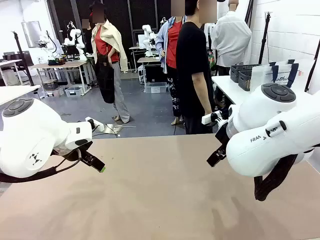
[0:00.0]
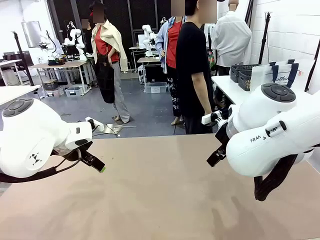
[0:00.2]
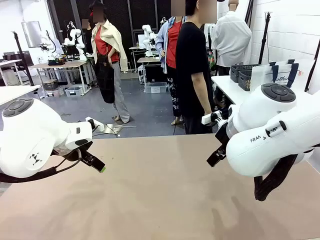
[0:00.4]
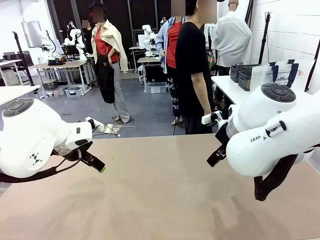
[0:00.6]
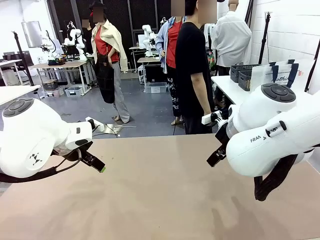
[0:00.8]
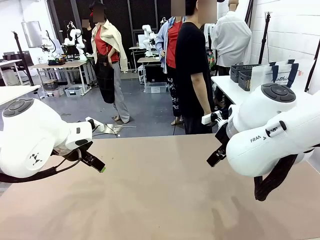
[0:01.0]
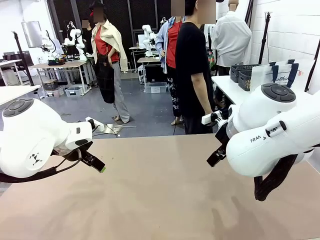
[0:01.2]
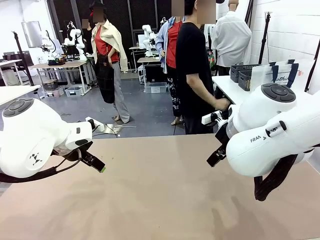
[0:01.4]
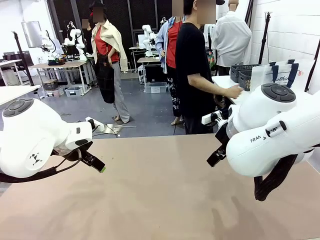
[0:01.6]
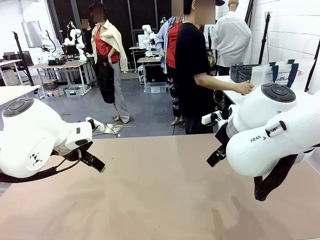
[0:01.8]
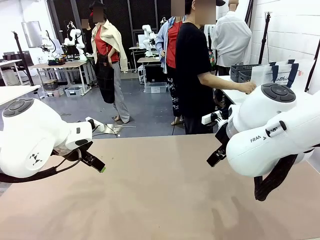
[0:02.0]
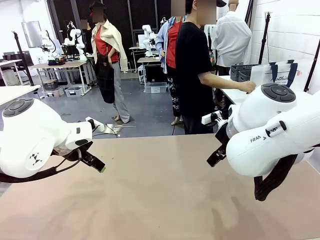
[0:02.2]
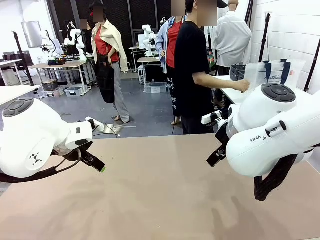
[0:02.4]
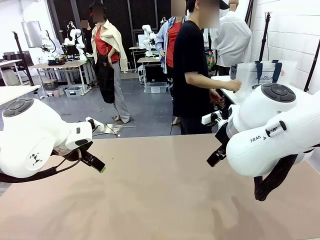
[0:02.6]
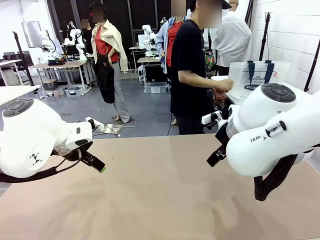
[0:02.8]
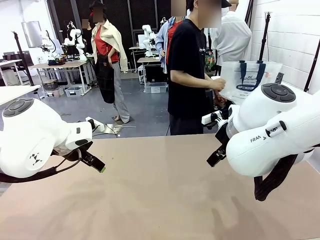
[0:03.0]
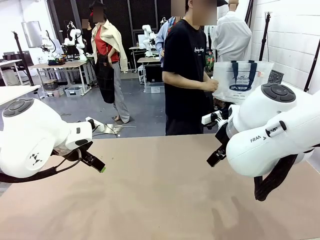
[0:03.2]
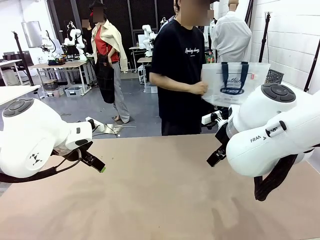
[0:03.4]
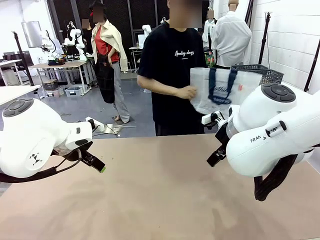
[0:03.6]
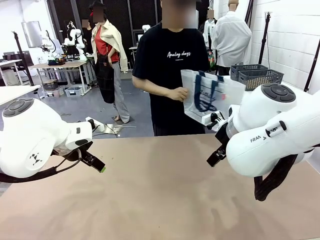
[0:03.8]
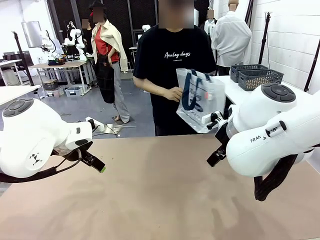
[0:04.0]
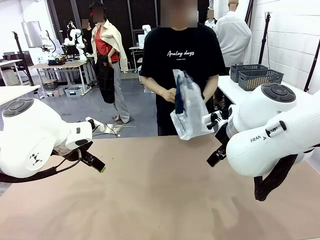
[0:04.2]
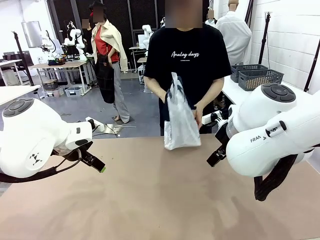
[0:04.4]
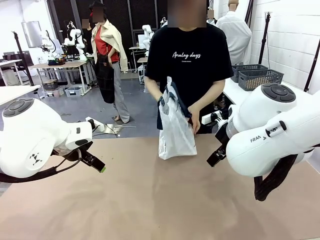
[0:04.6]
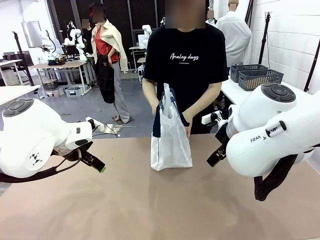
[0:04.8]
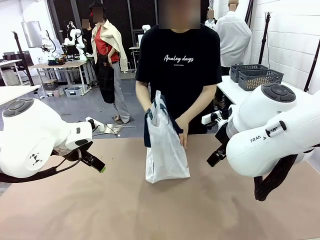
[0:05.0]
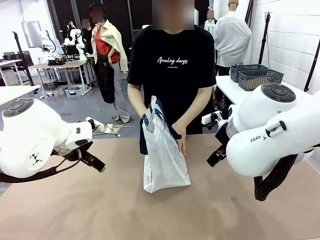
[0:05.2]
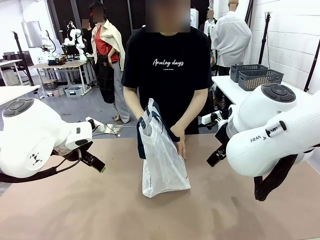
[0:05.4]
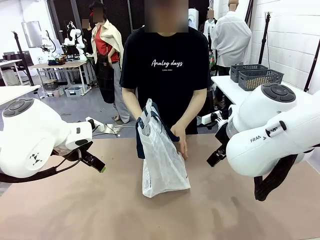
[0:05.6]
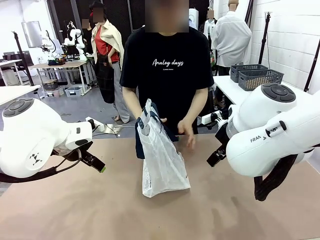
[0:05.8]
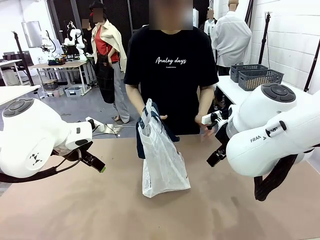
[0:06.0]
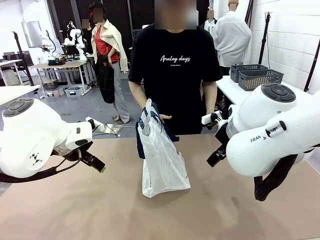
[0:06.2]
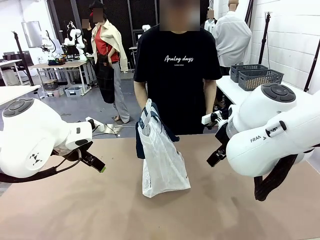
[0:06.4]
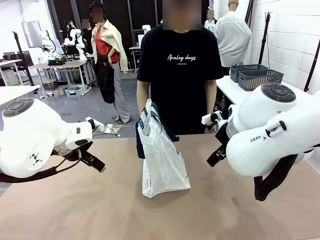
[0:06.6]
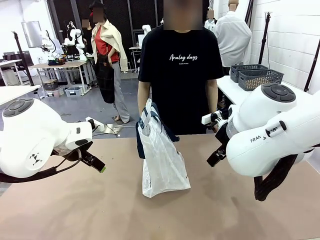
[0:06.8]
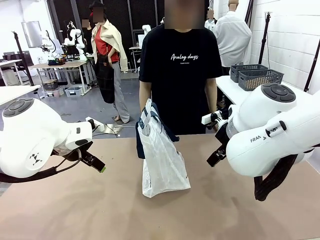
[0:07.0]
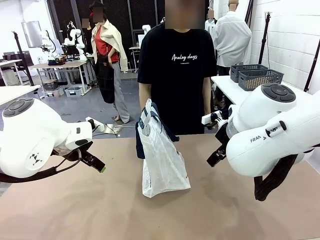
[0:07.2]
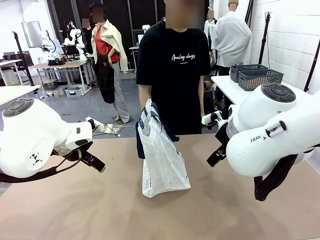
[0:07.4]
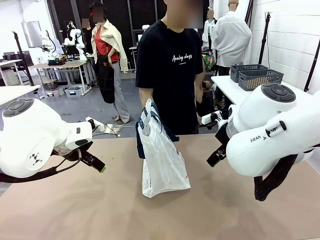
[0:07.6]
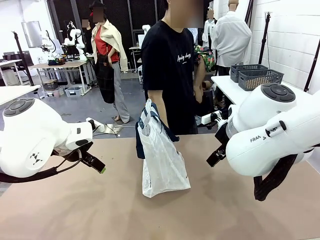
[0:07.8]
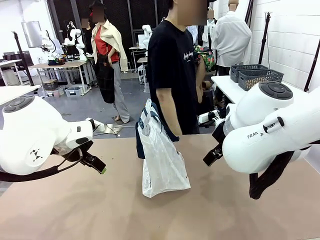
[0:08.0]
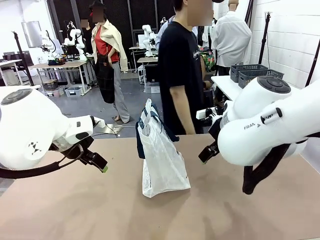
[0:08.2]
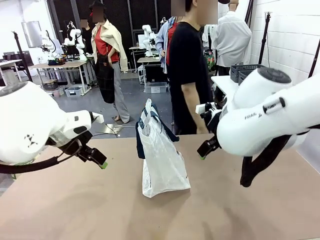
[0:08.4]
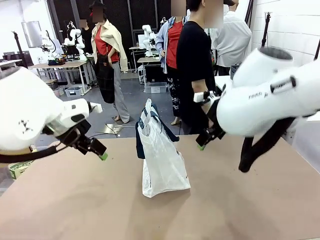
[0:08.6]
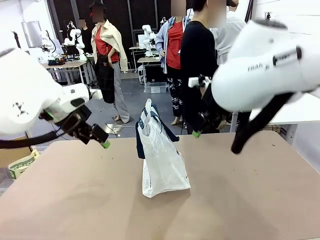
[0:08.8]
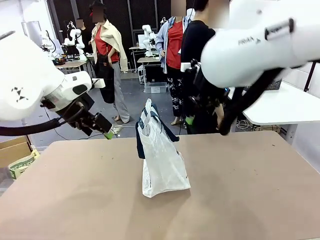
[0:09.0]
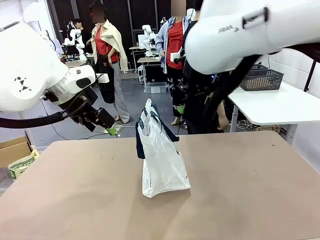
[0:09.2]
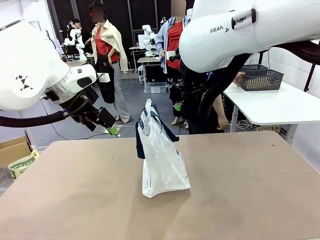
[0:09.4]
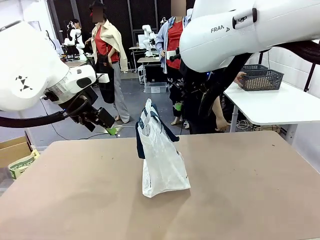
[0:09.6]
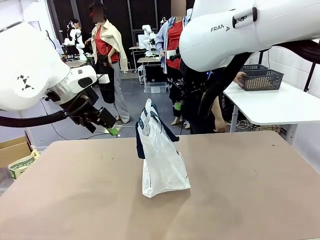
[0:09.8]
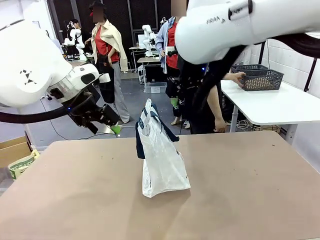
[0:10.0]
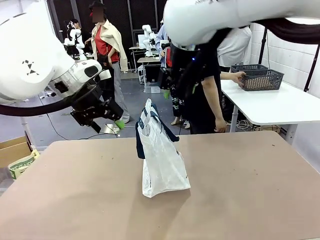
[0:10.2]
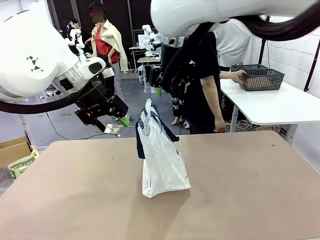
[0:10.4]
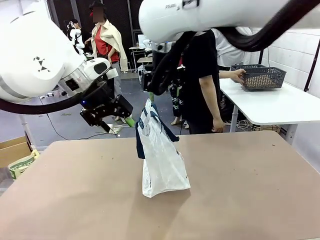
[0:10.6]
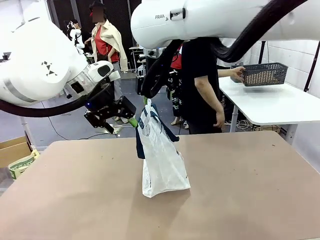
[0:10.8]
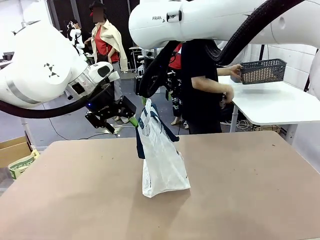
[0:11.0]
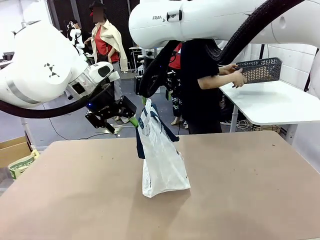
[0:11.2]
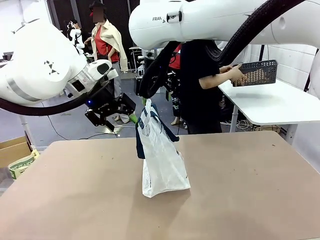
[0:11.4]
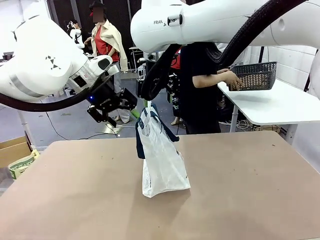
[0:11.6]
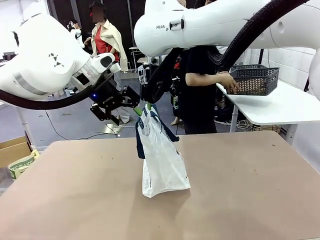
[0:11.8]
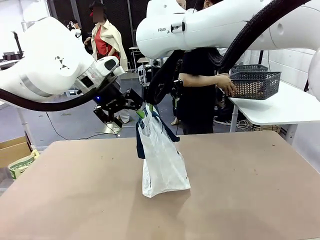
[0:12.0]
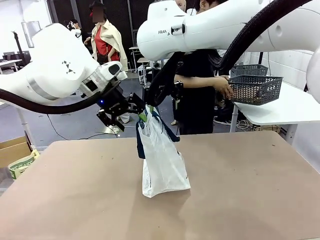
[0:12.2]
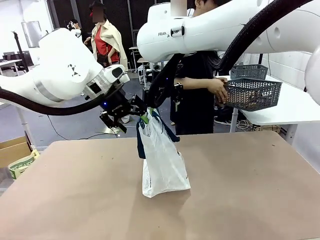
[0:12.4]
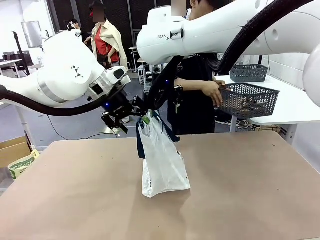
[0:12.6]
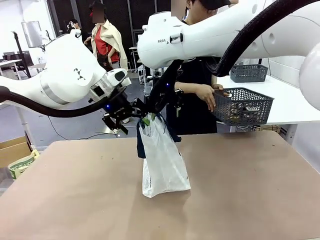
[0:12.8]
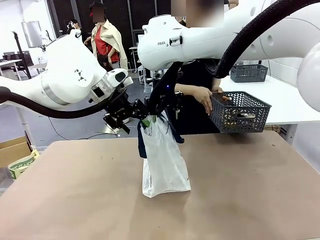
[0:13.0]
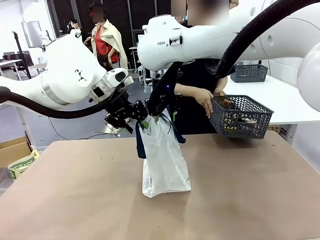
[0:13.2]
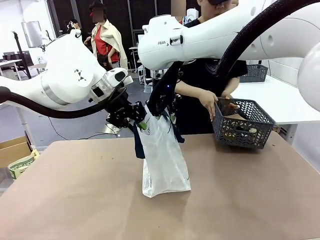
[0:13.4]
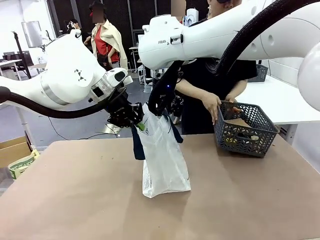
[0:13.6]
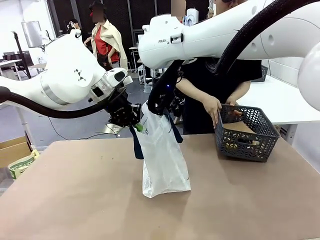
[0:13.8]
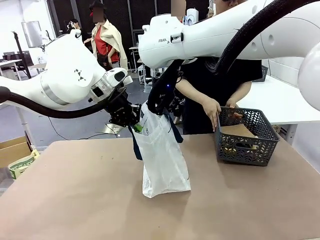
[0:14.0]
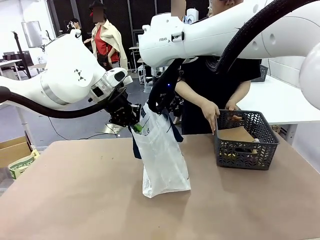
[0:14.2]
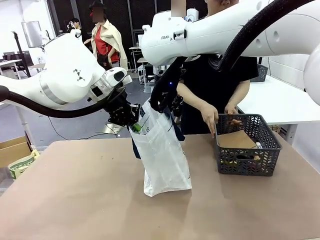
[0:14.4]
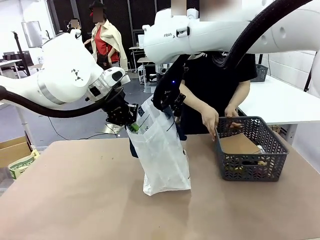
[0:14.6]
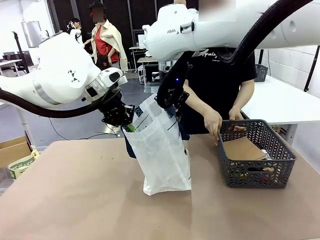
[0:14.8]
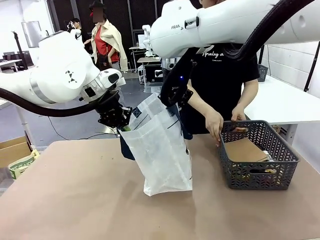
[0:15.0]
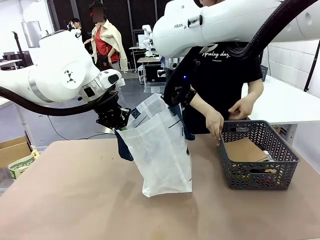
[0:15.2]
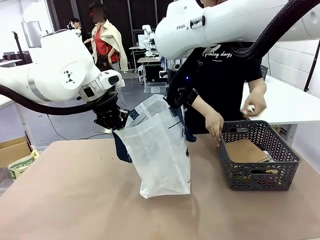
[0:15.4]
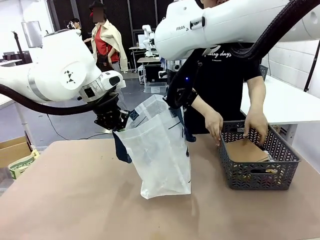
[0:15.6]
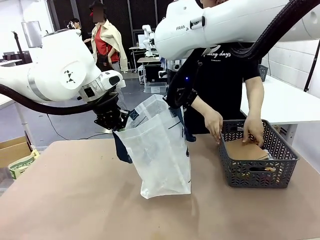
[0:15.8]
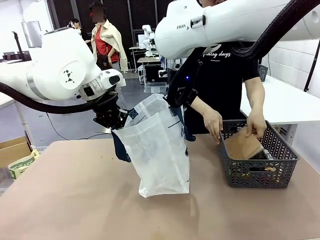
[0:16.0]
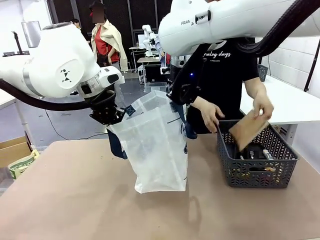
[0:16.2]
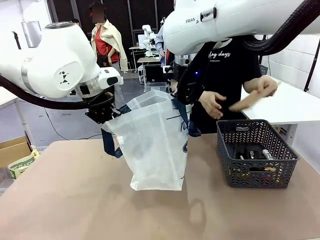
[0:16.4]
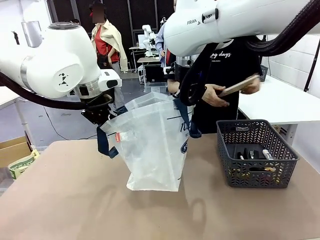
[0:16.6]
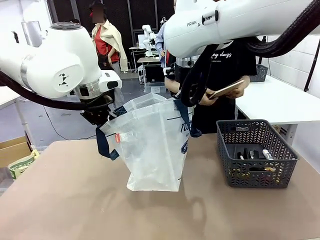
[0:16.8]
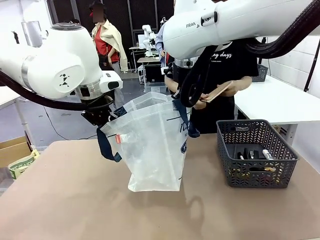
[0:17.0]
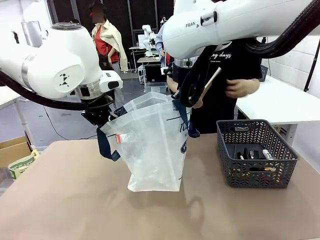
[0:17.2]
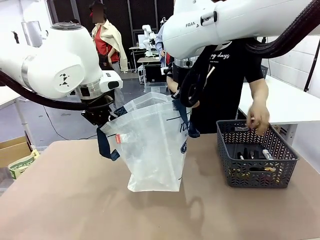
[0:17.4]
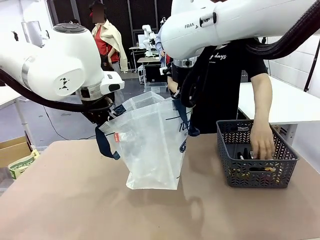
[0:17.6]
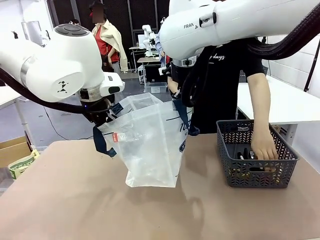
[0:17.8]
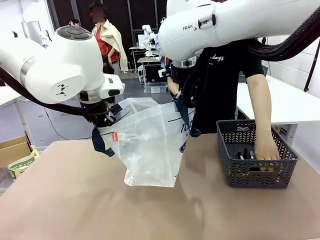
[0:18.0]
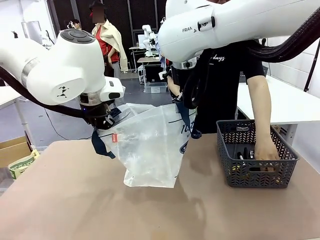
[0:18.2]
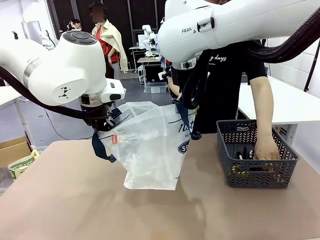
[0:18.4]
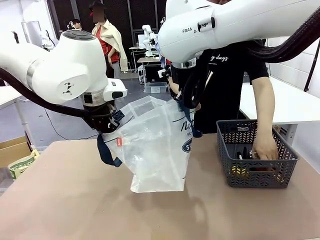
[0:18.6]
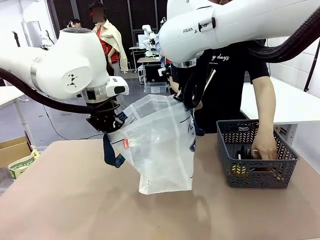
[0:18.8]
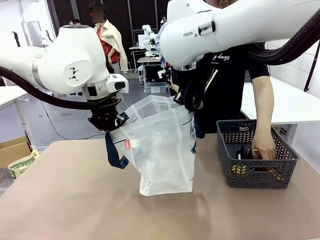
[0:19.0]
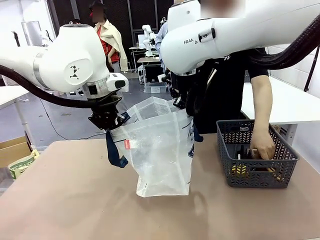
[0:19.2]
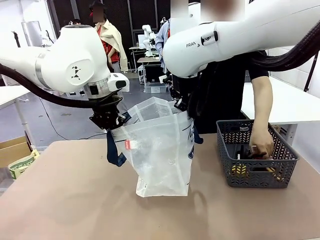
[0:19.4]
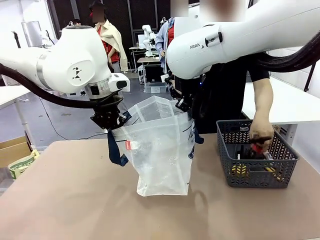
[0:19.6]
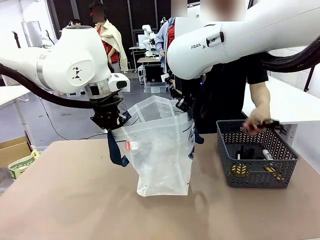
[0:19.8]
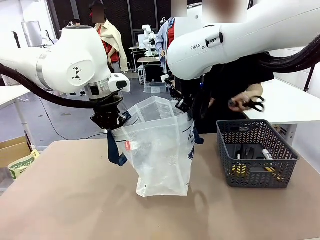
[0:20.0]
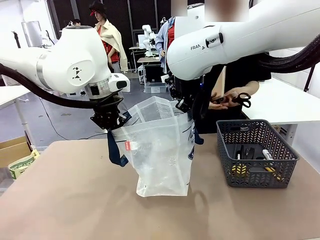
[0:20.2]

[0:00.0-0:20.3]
Task: Transfer purchased items from the store into the shopping bag.
Robot: Open the Reusable shopping bag in the center of the table.
Person: Pick up the shopping bag and place it in the middle of the robot table.
